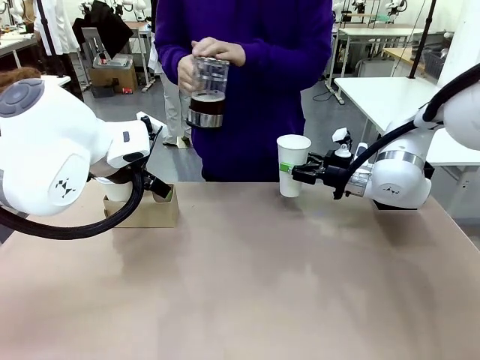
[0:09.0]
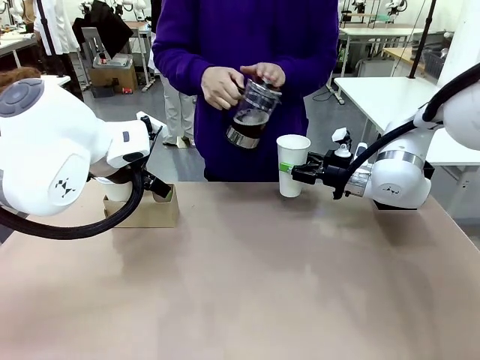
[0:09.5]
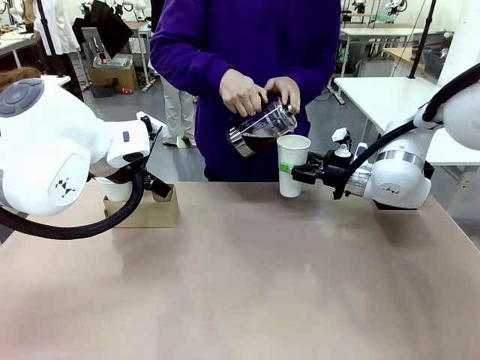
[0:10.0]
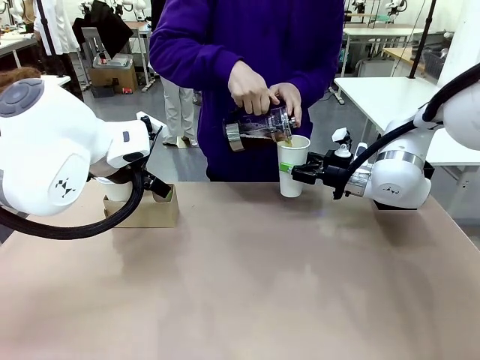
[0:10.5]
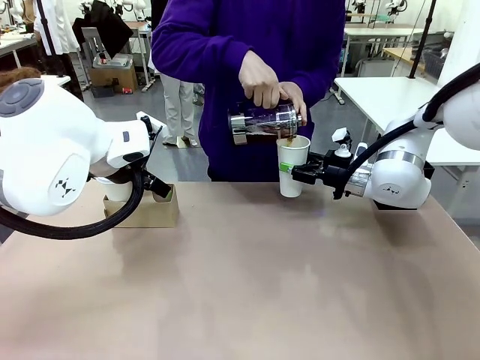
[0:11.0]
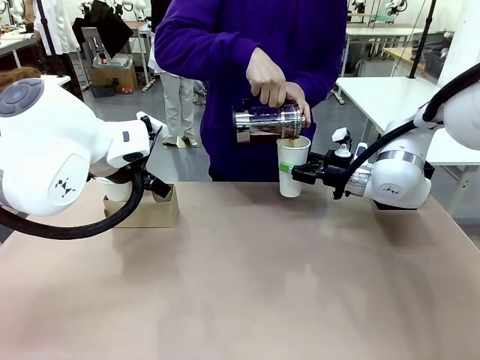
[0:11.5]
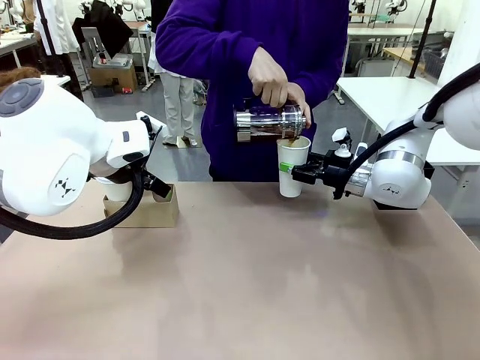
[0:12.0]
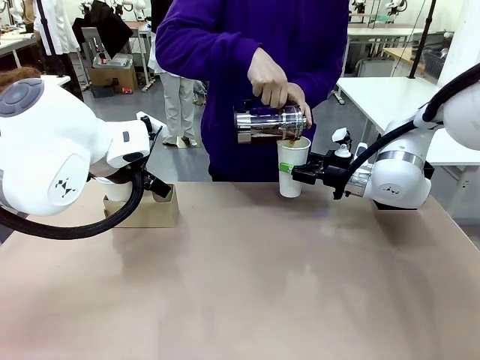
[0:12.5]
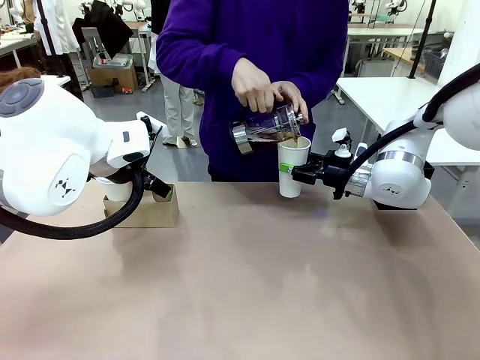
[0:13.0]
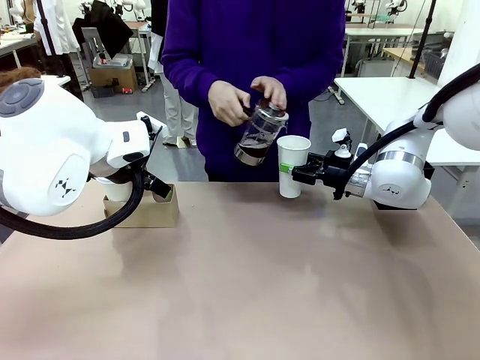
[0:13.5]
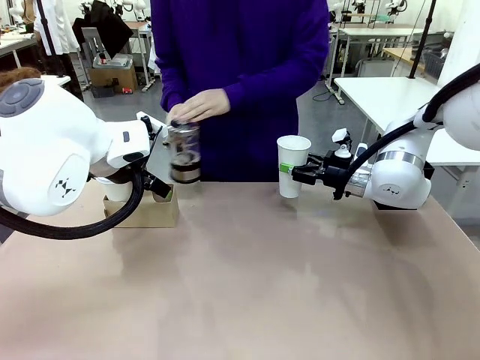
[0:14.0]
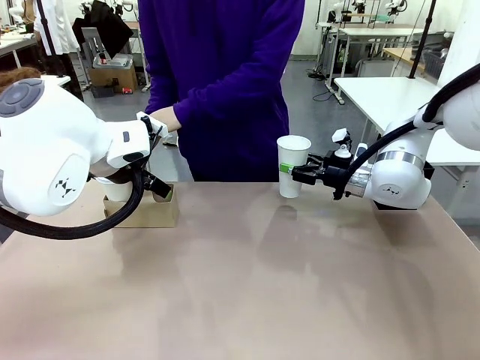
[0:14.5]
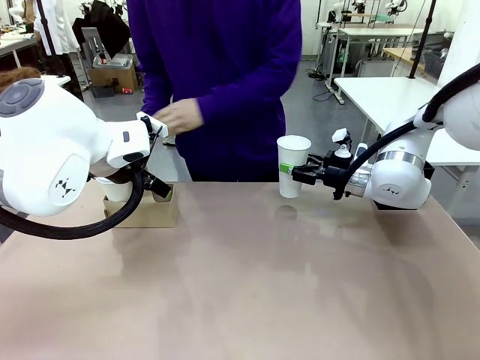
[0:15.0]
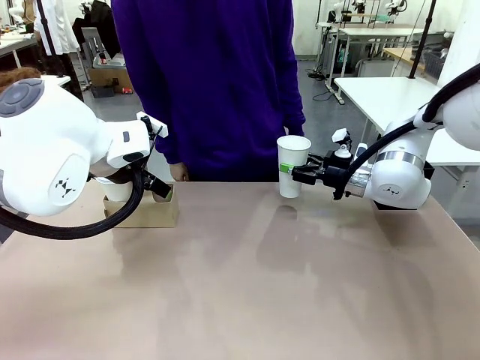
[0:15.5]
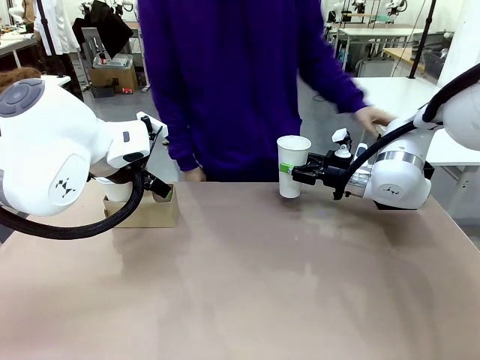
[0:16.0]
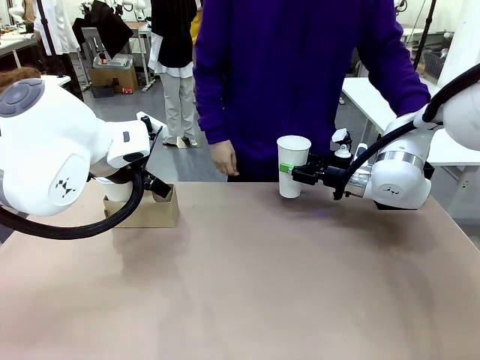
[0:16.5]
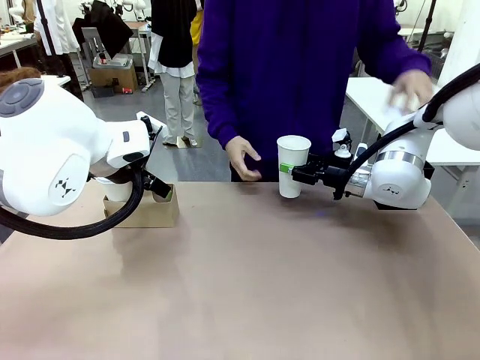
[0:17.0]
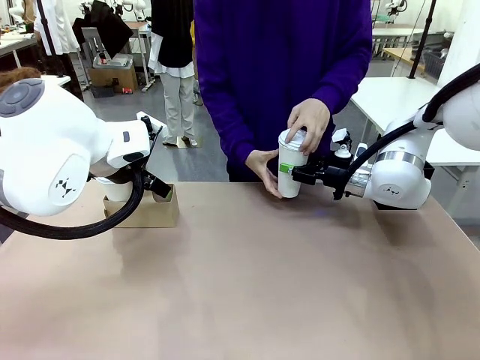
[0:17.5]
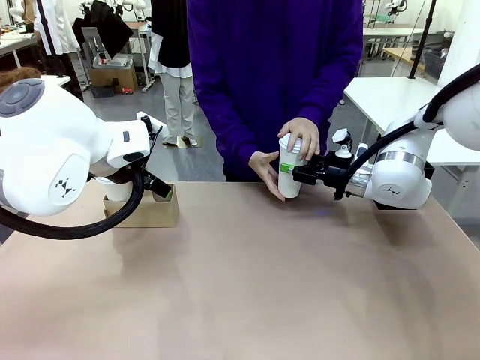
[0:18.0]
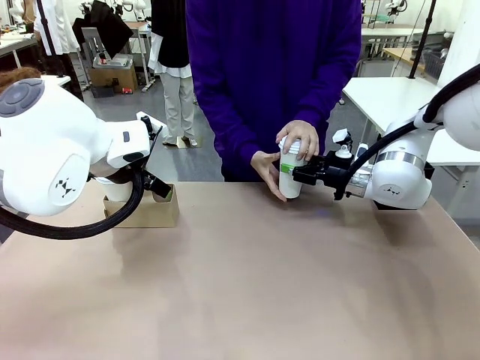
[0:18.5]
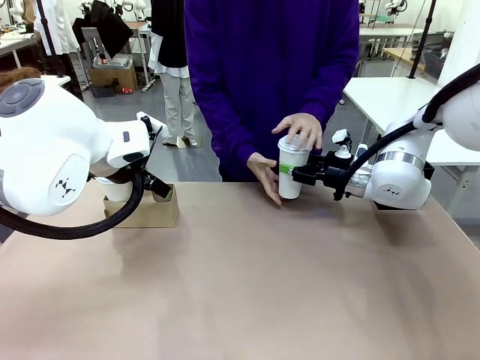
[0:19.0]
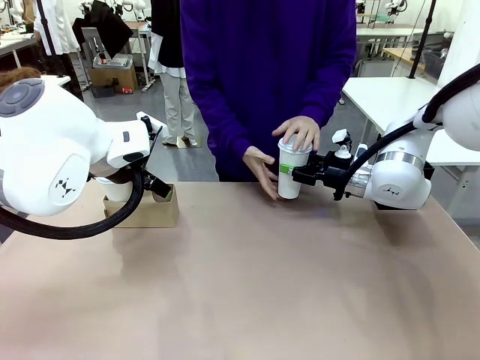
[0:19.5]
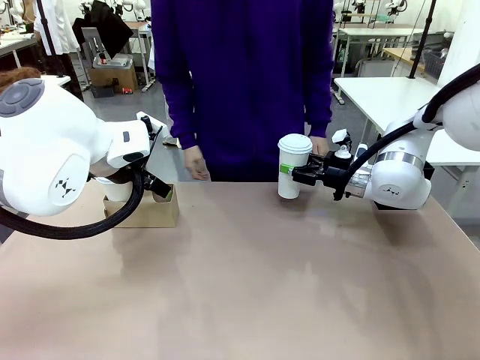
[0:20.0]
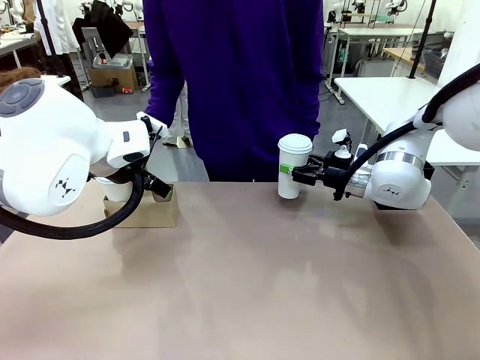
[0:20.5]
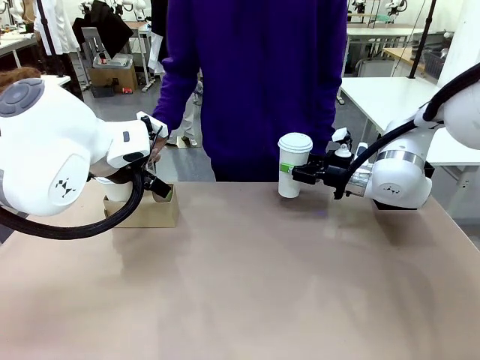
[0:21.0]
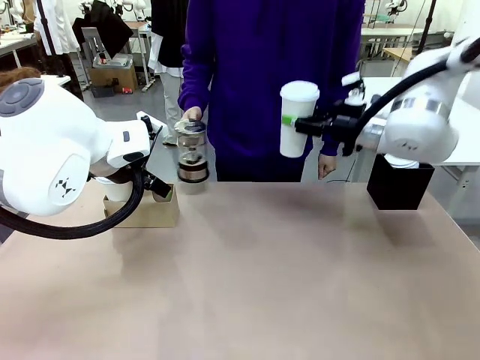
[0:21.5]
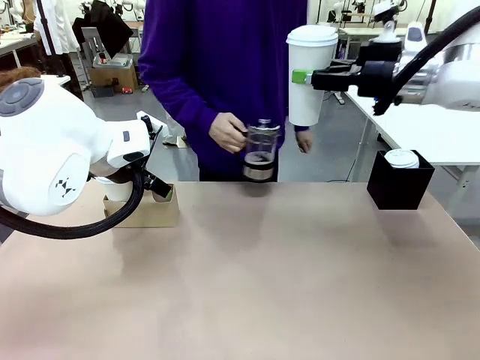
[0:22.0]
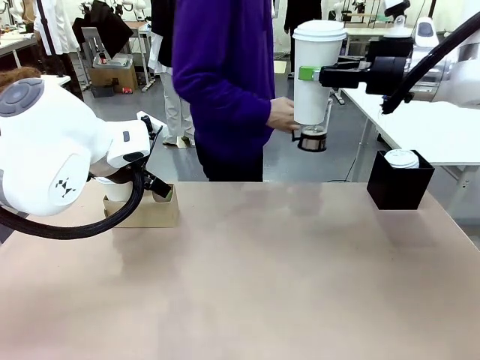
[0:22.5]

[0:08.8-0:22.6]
Task: Pour a drink into a cup and package it in a carrier.
Robot: When a person places the Paper Cup Lid on the 600 ml Paper Cup , lift the 600 ml Paper Cup.
Person: Pour the drink from the Filter Brewing into the 600 ml Paper Cup. Place a Paper Cup Lid on the 600 ml Paper Cup.

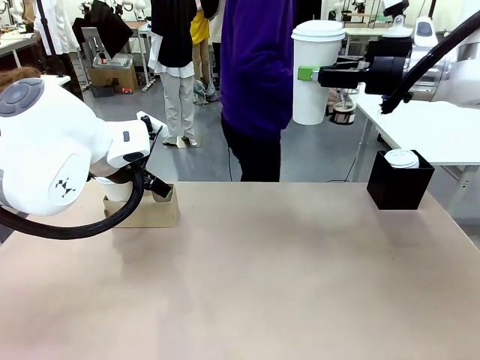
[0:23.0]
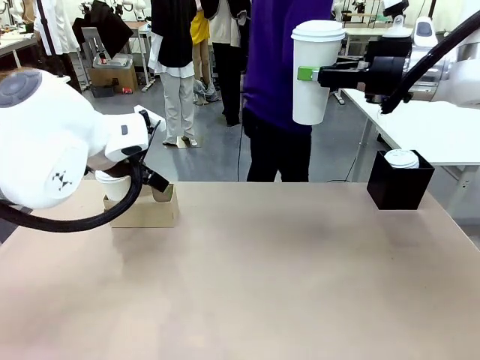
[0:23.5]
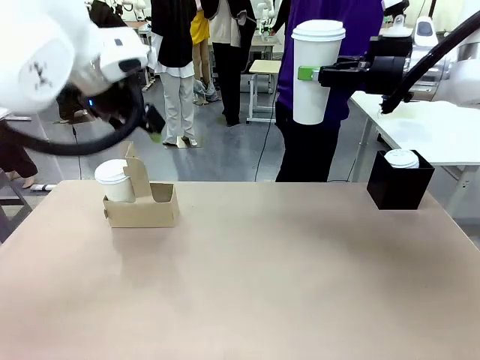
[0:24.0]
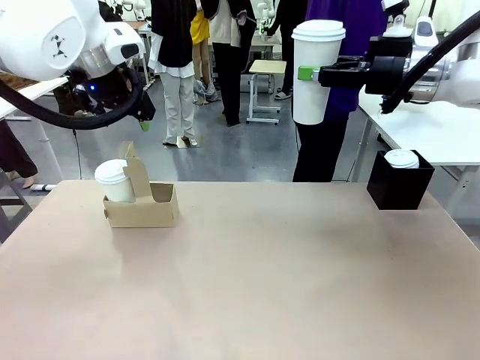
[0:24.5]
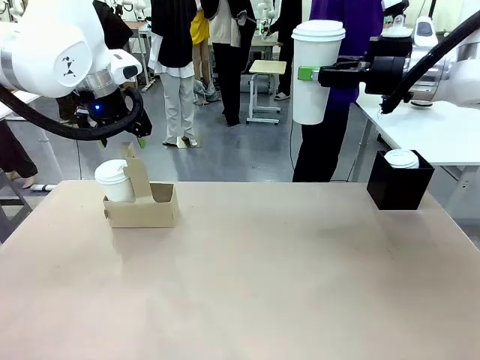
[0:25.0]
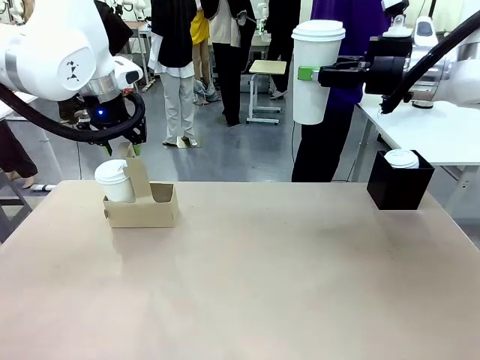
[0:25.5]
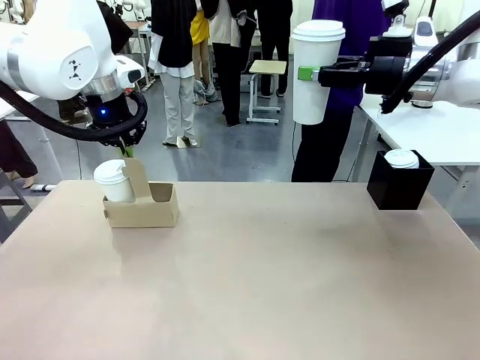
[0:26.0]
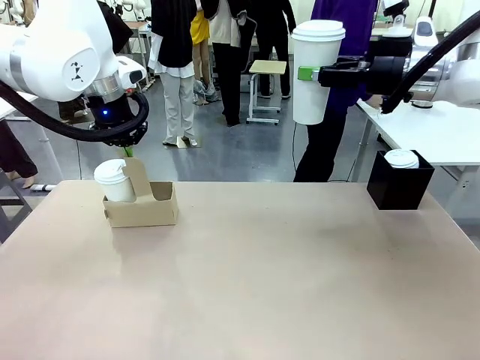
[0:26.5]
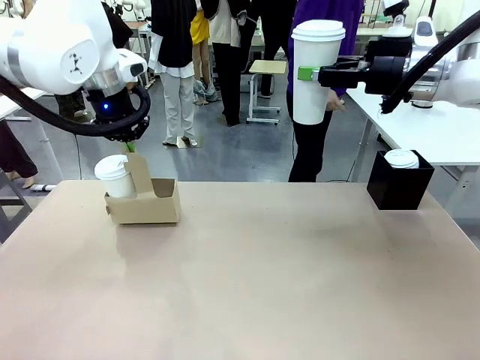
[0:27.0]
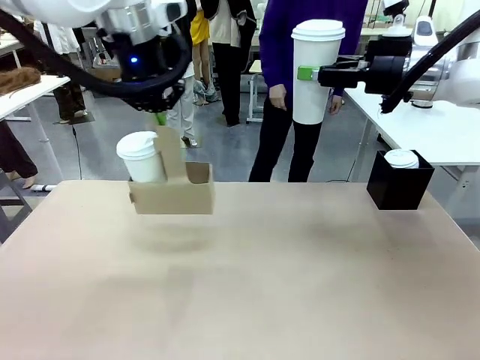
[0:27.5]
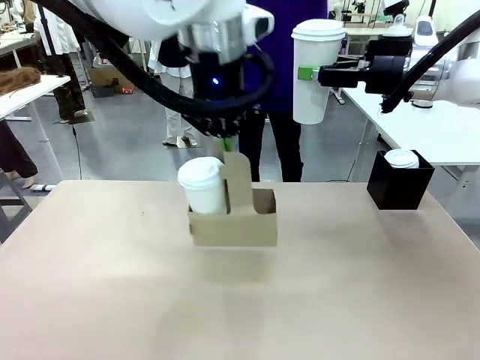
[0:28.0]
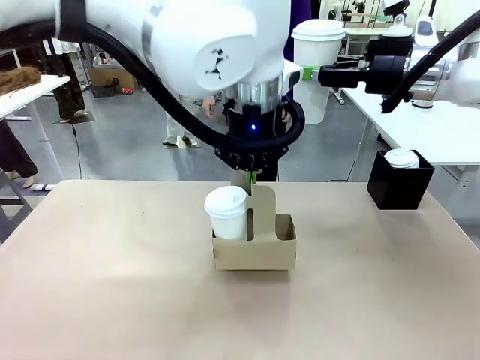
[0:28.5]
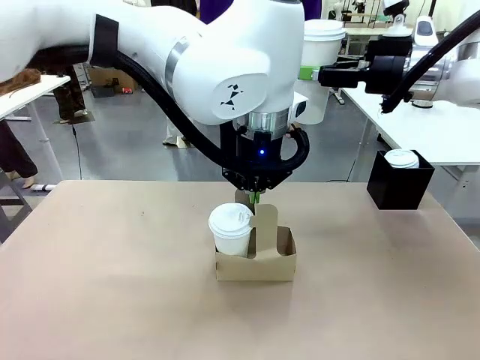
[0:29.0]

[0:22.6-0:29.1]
Robot: Position the Cup Carrier in the center of the table.
Person: Pick up the Filter Brewing and place on the middle of Human table, and return to the Robot table.

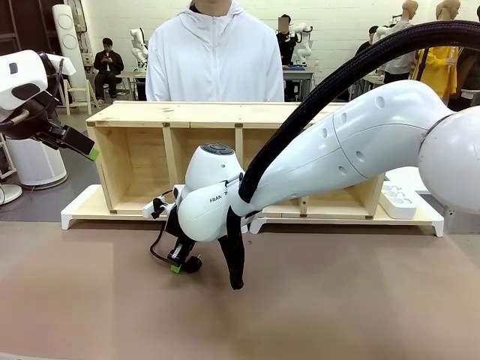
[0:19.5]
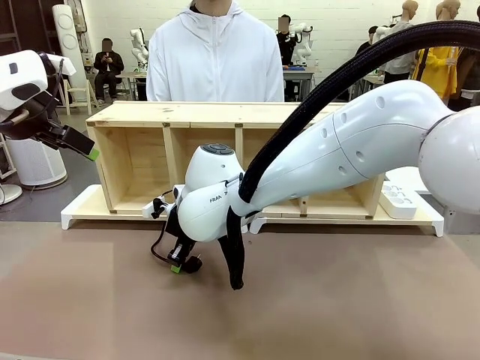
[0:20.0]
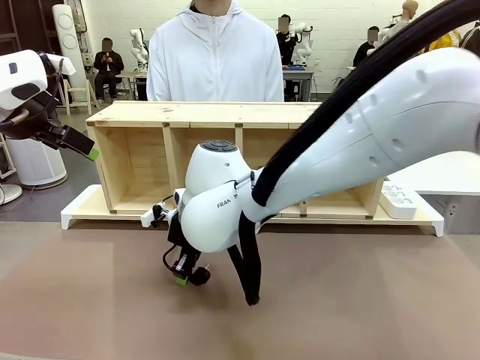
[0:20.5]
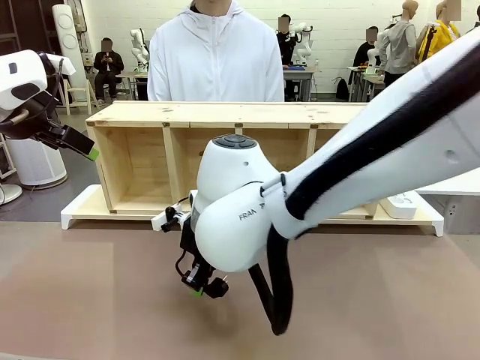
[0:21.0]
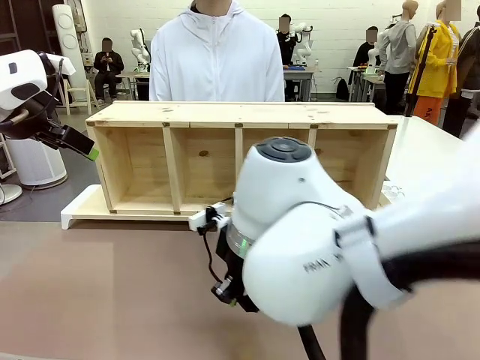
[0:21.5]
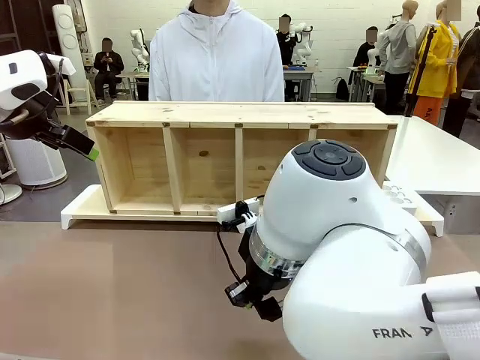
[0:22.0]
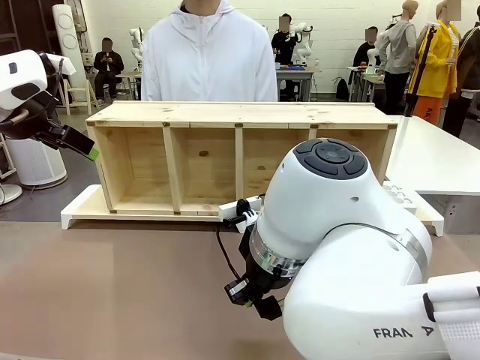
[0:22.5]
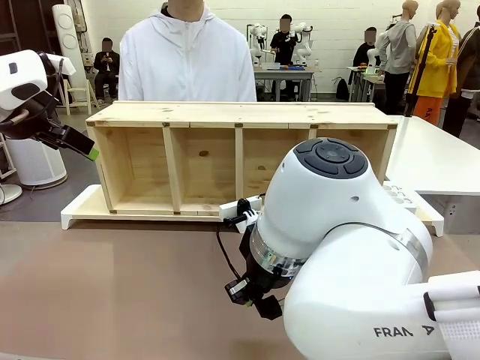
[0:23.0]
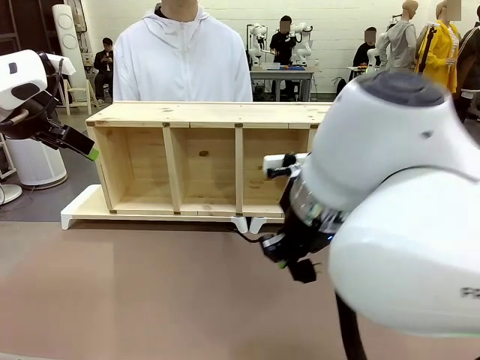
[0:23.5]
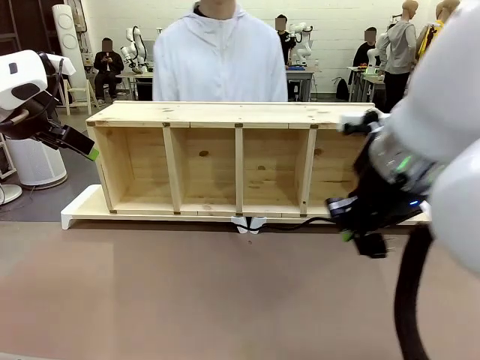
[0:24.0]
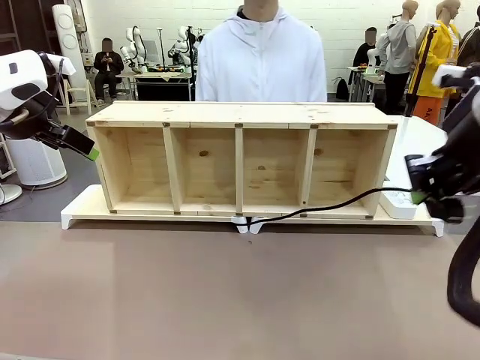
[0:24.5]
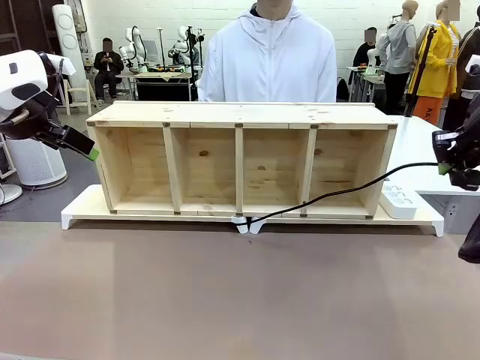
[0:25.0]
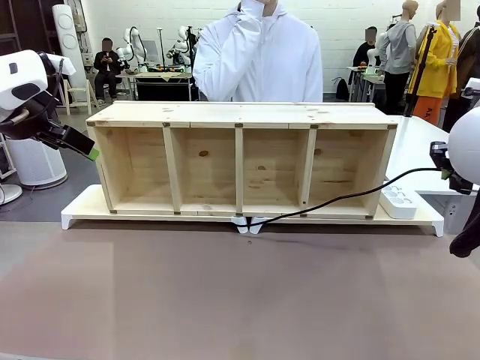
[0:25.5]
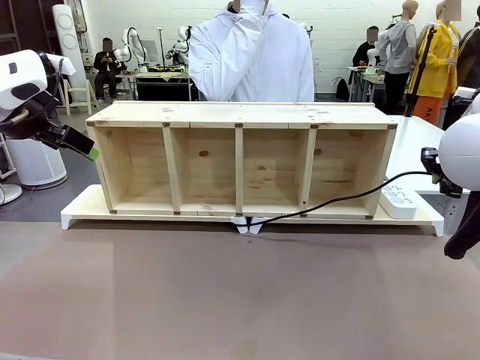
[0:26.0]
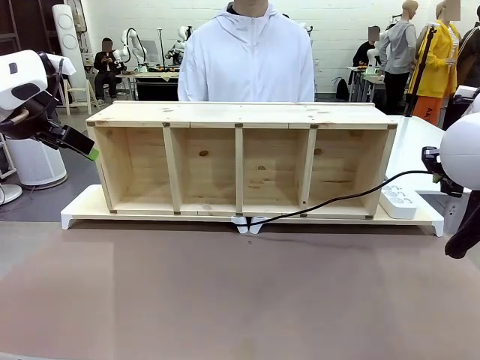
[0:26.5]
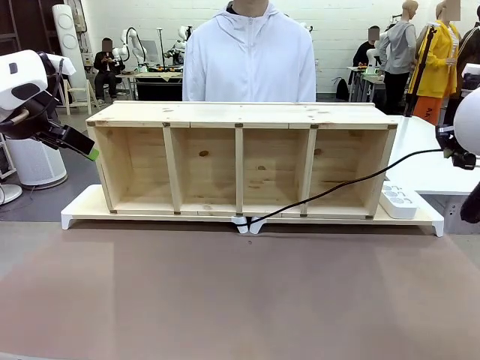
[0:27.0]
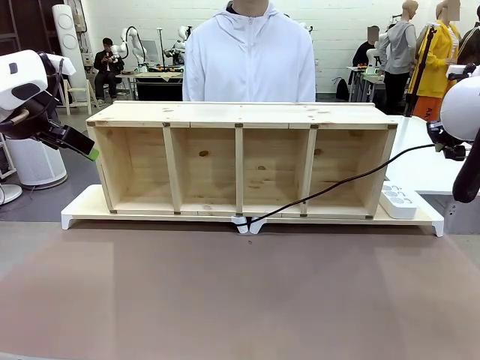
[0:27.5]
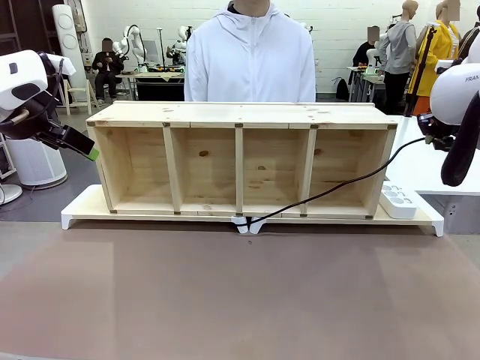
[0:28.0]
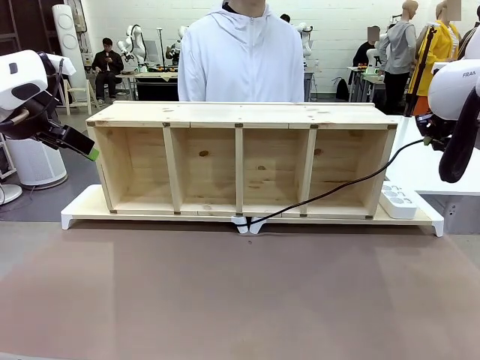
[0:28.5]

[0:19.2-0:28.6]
Task: Perform cable management.
Robot: Pull the grasped Power Cable to the location of the Power Strip.
